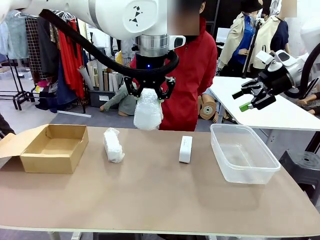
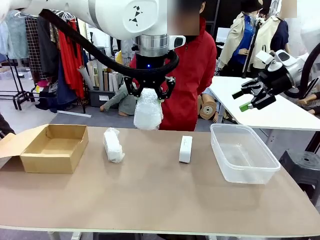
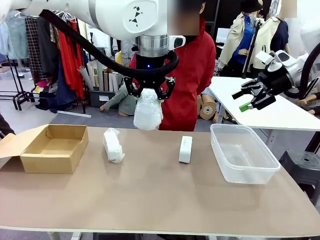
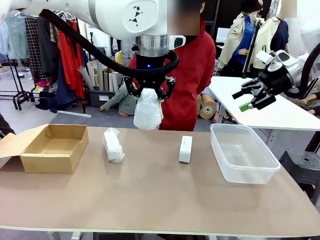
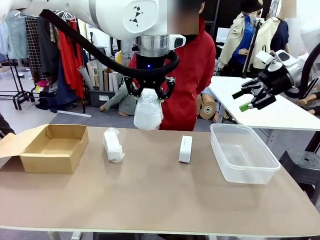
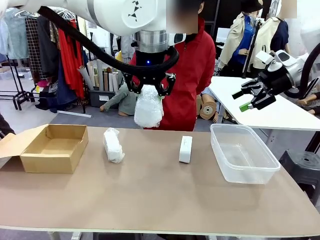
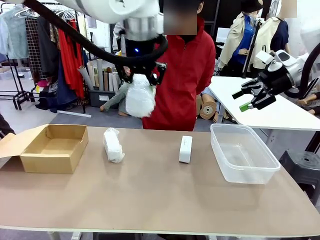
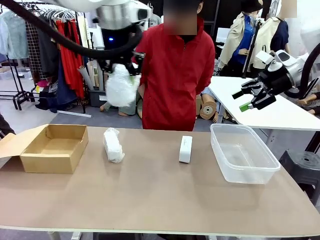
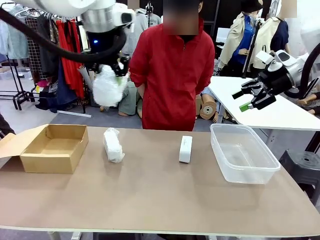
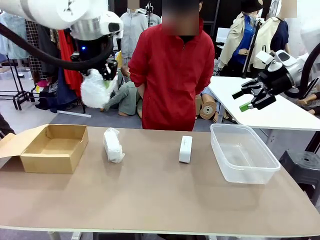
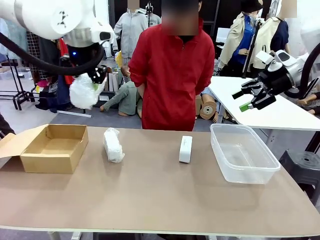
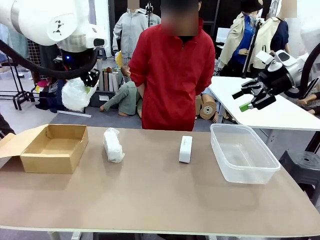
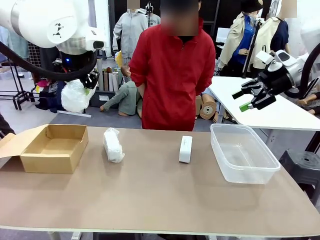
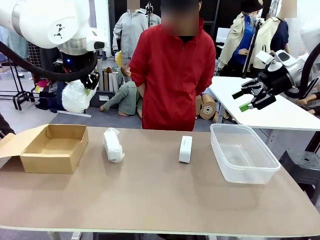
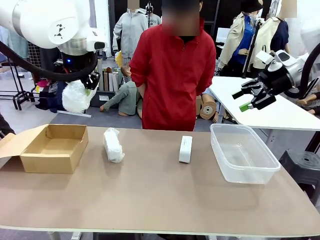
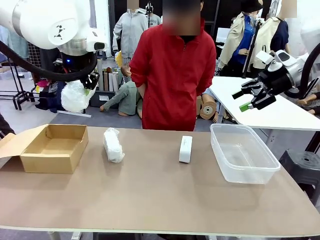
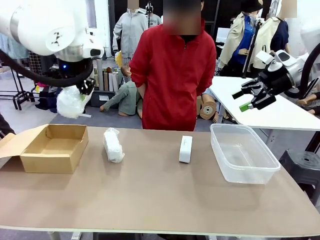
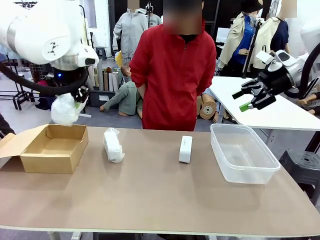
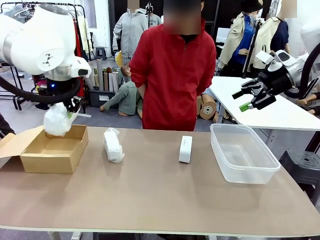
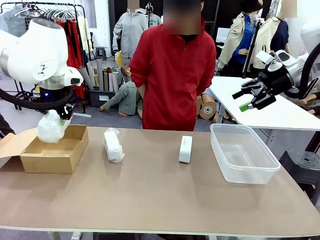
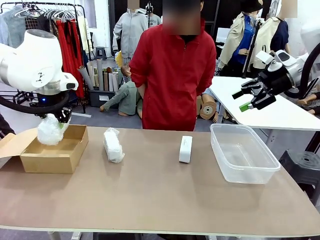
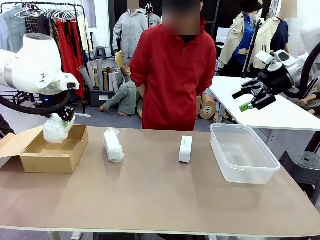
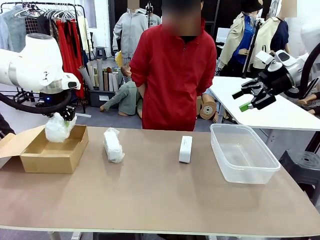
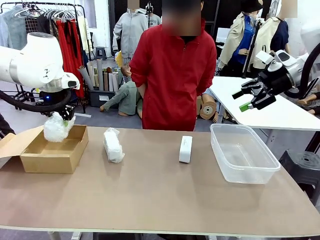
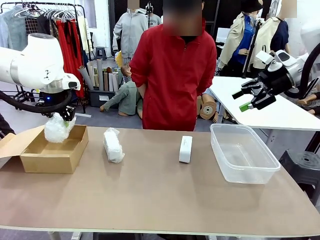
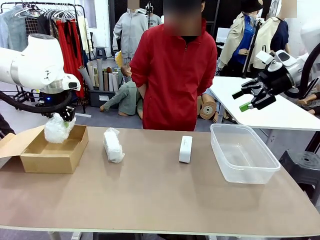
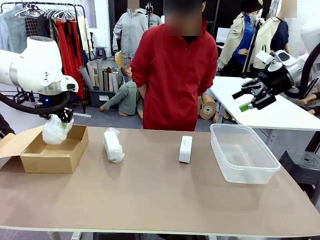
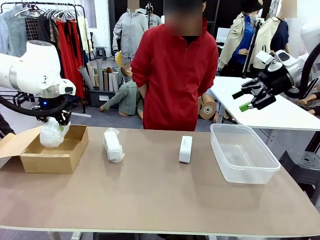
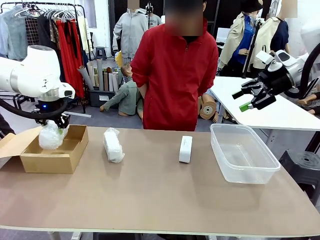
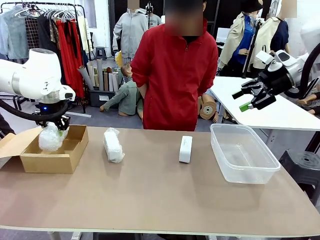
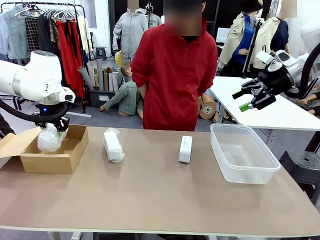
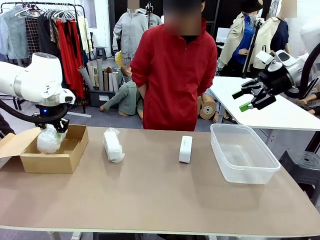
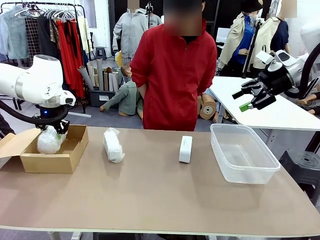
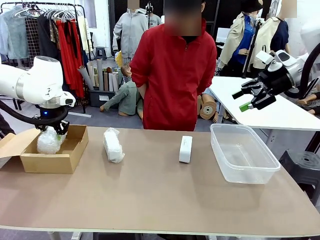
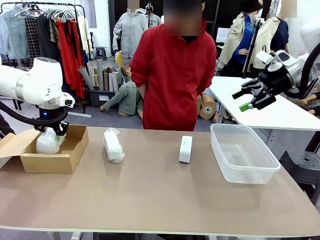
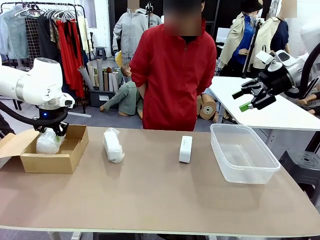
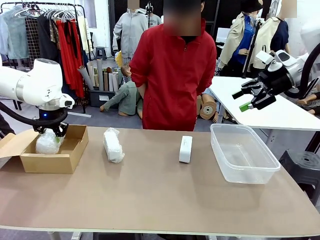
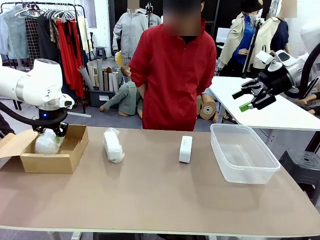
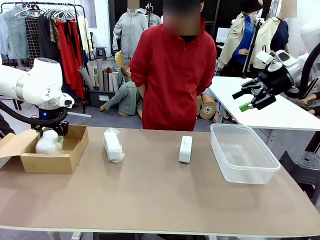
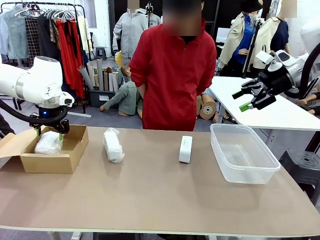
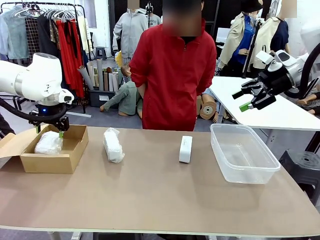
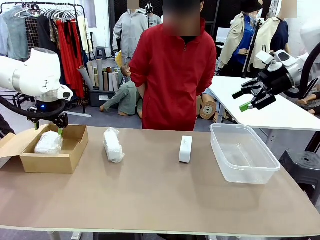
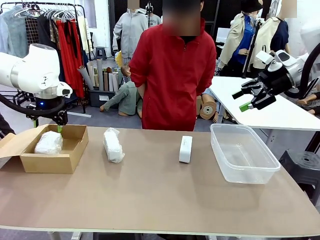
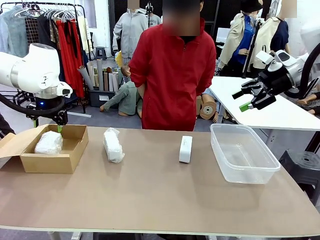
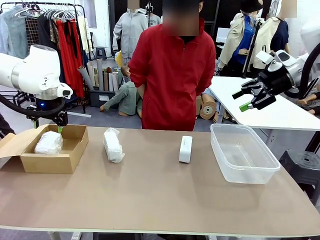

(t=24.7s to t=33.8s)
Task: Separate and place wrapped and unwrapped clocks.
Robot: If the picked Digital clock is wrapped, place it in the Package Box ; if not, place it in the Organizing box.

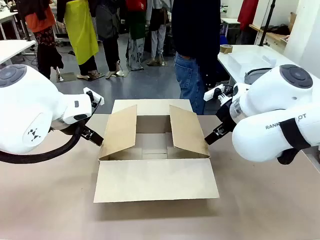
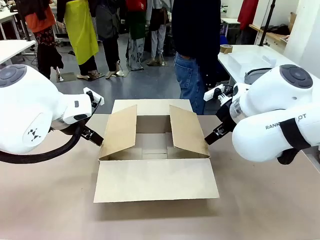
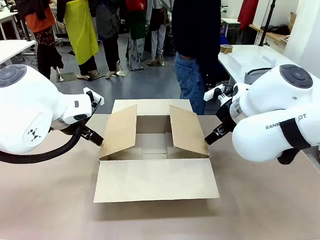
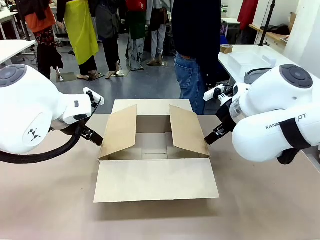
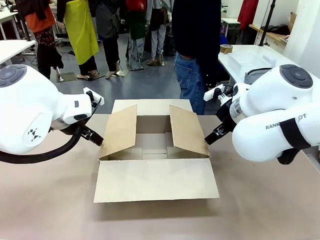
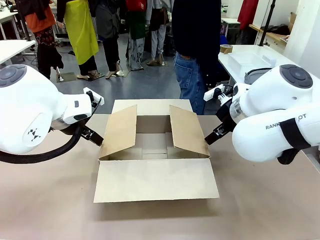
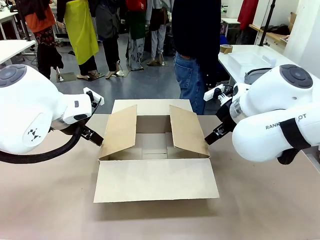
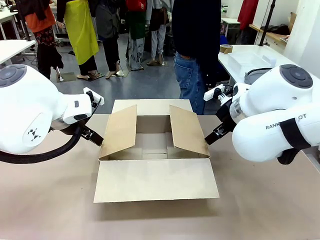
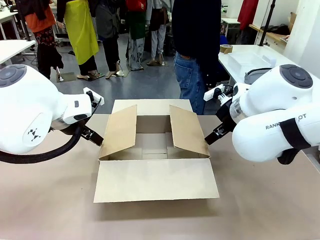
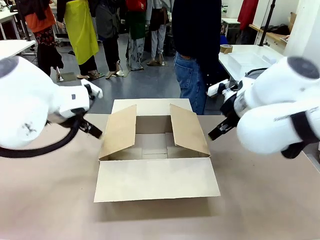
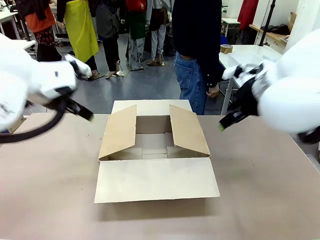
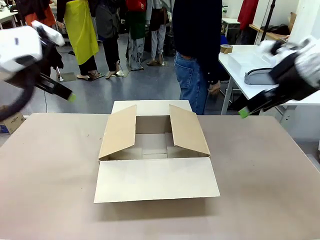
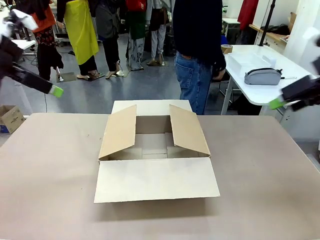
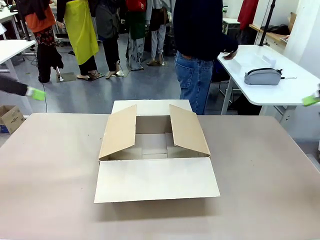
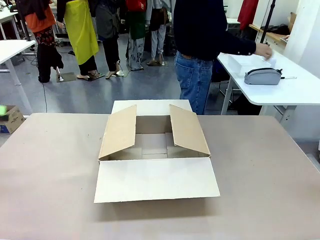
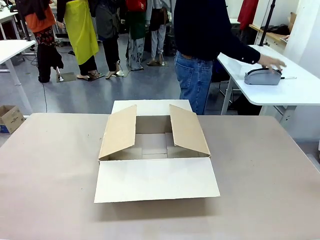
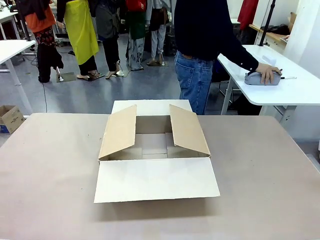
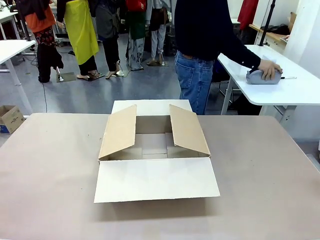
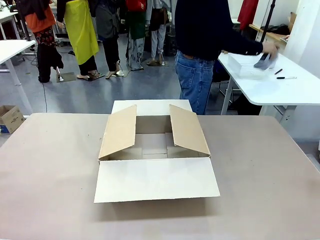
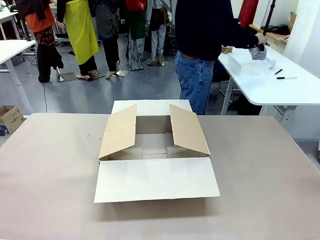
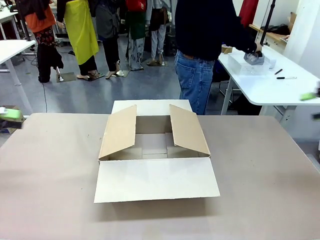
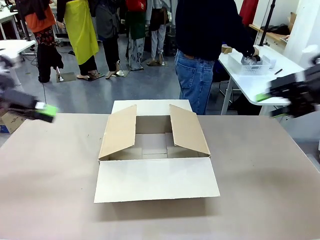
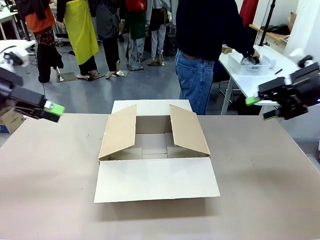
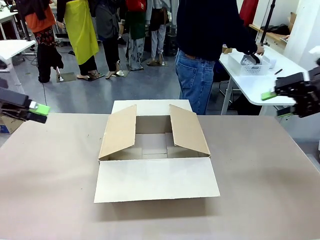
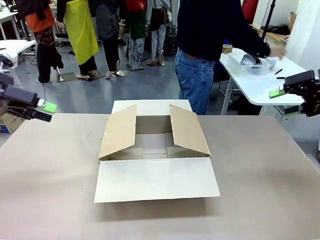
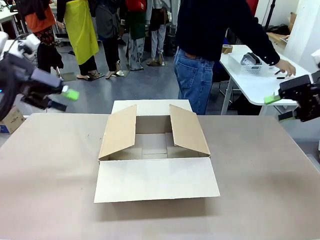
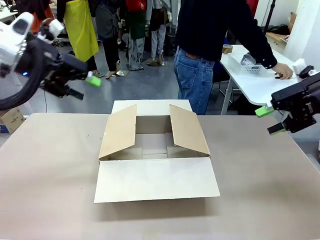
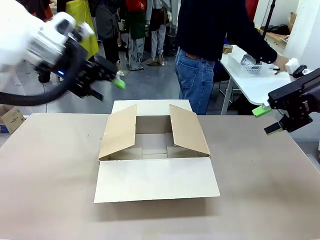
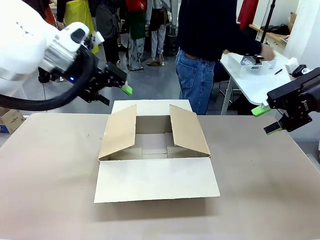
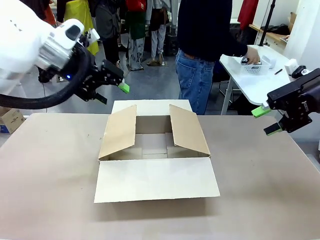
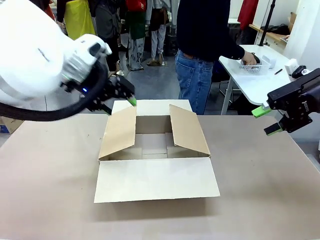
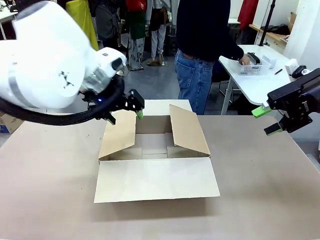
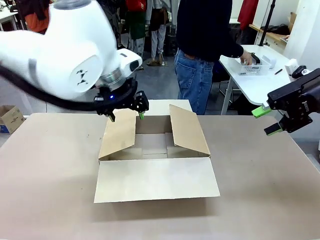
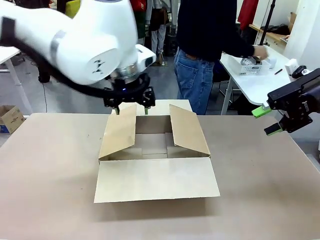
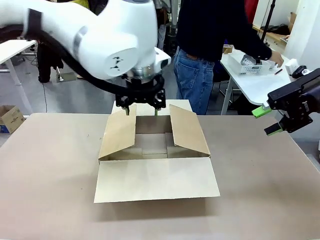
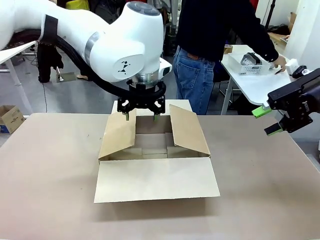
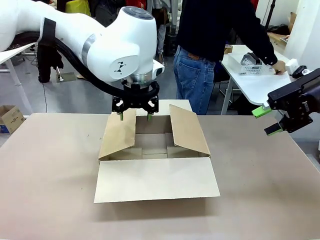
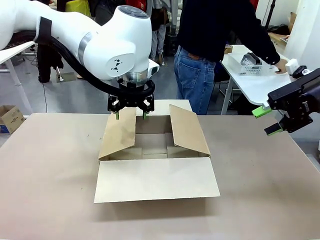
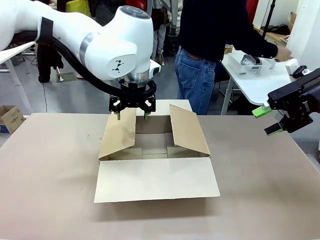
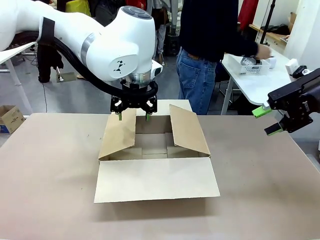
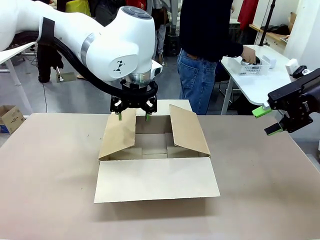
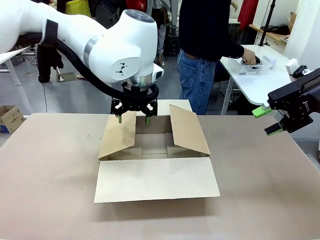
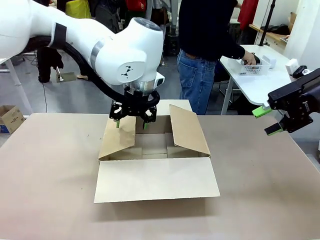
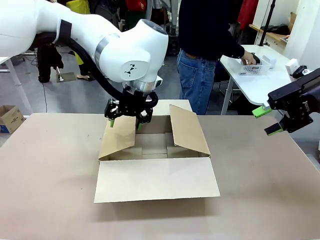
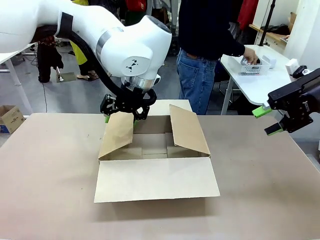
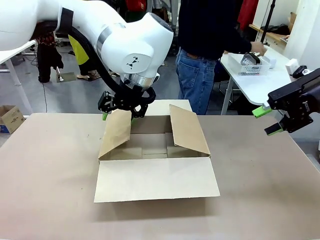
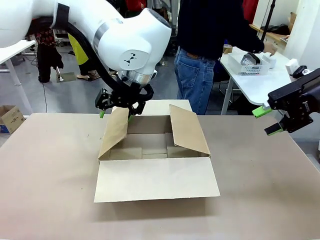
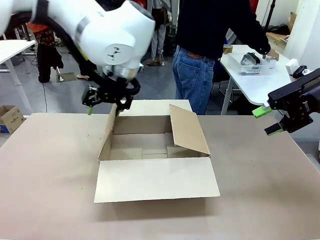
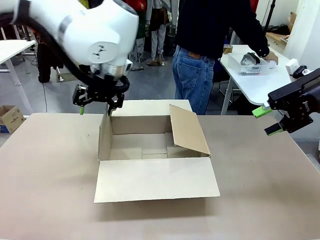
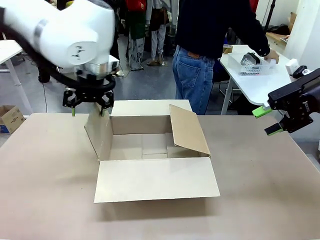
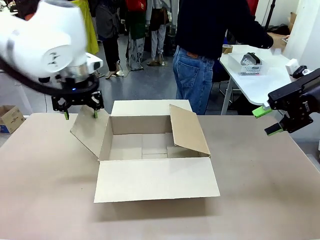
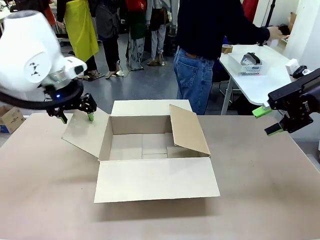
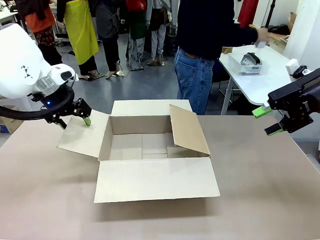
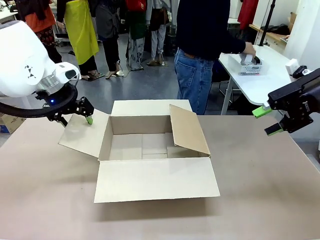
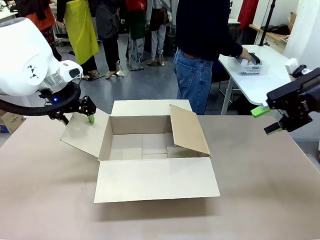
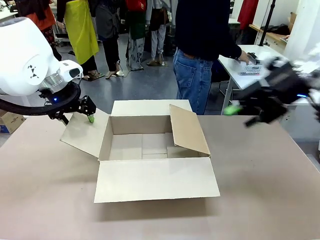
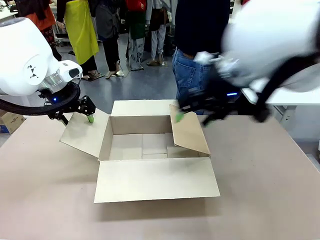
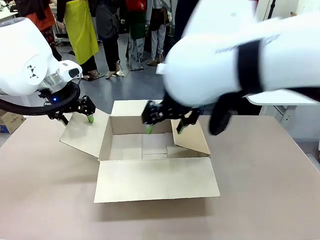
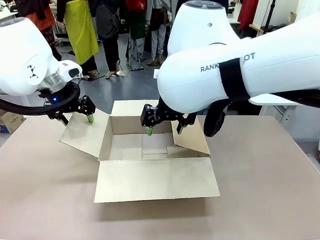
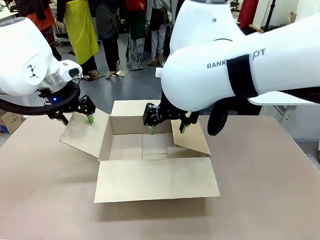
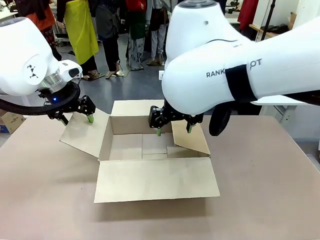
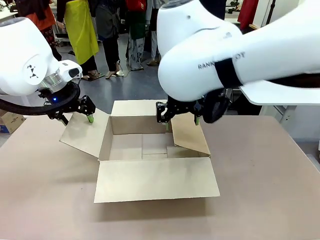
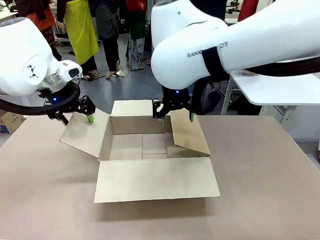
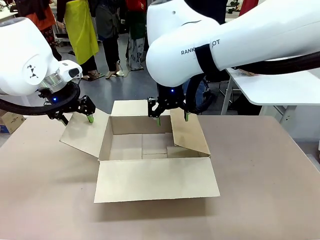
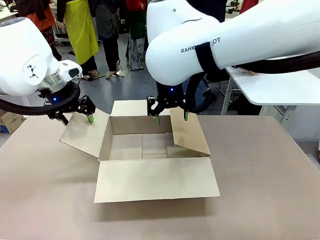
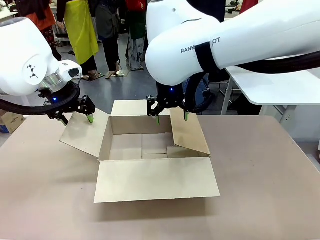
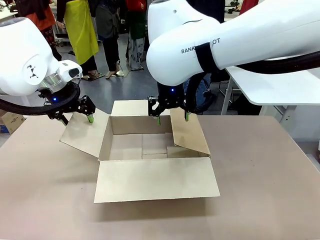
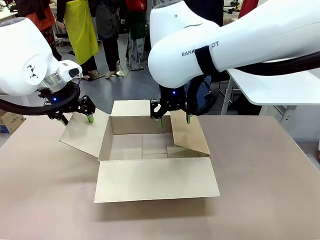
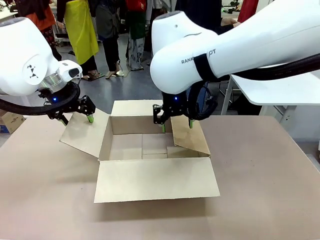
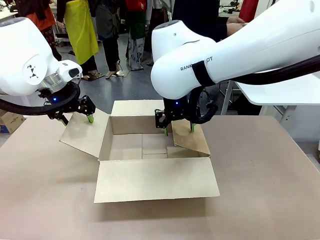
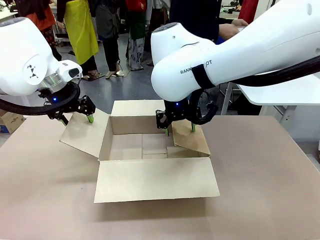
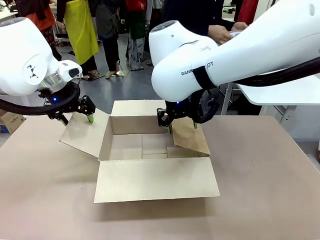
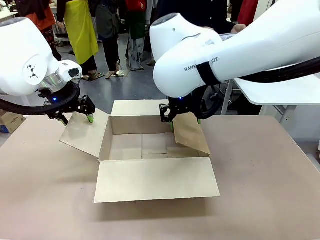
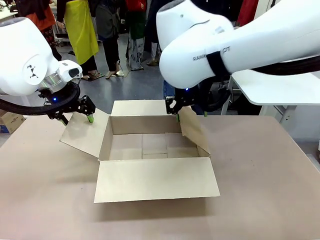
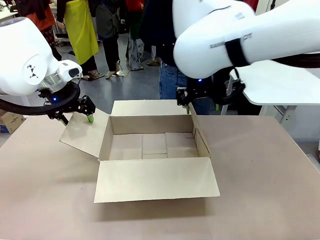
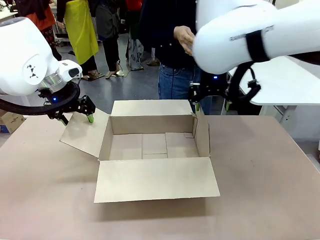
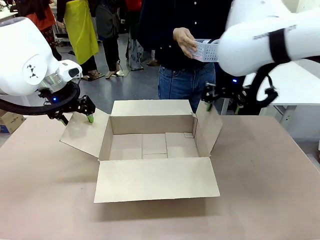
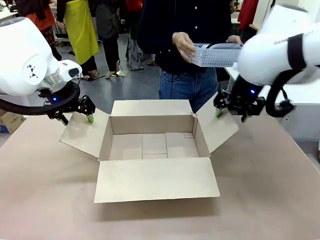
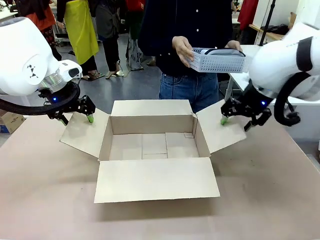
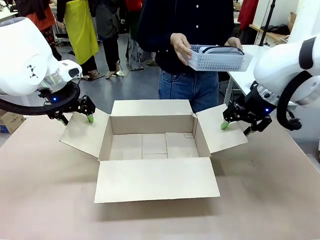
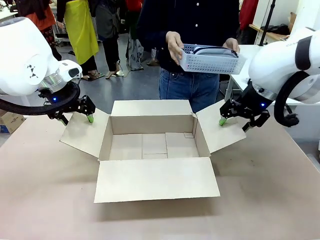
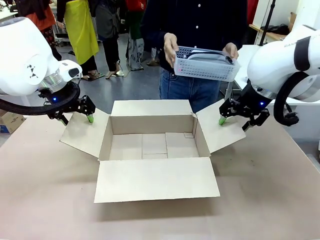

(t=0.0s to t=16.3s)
Task: Pack the gift set into the box.
Robot: Place both hands on the side flaps of the Package Box and spread them outward.
Person: The human places all items except the paper tape into the organizing basket.
